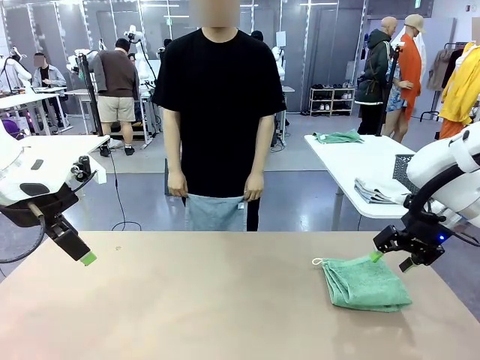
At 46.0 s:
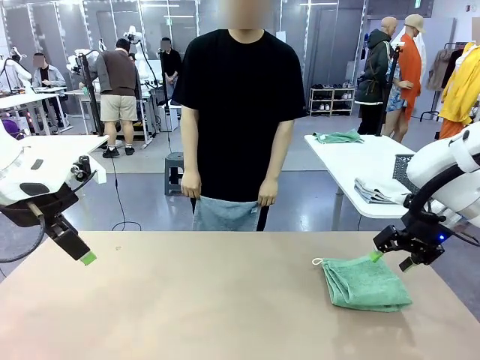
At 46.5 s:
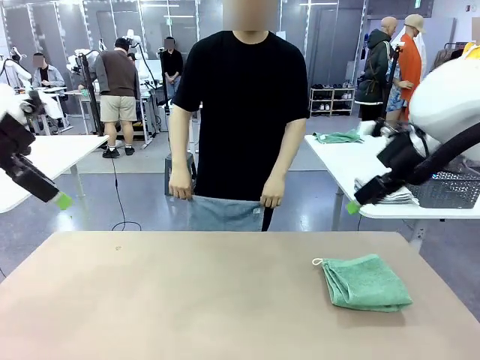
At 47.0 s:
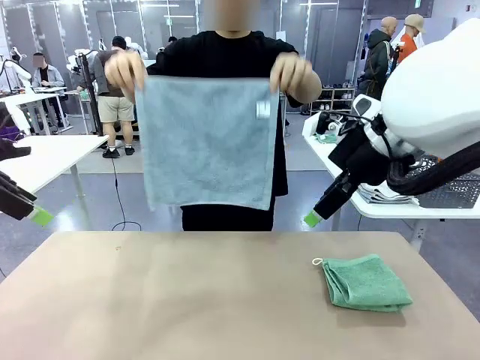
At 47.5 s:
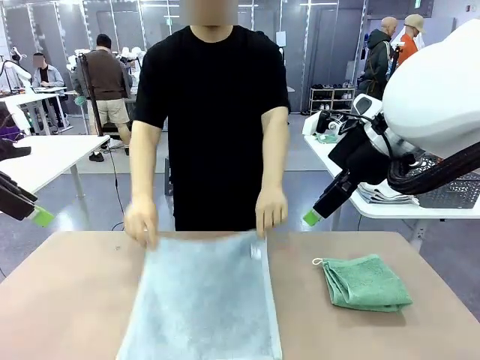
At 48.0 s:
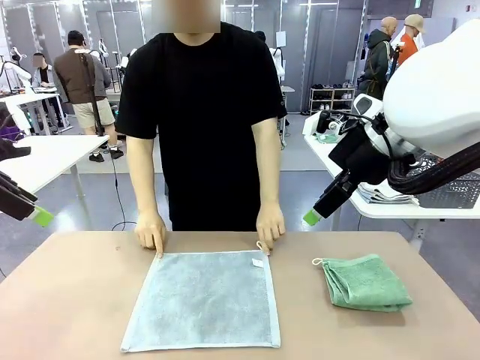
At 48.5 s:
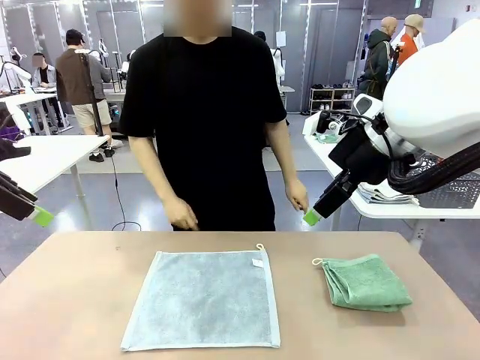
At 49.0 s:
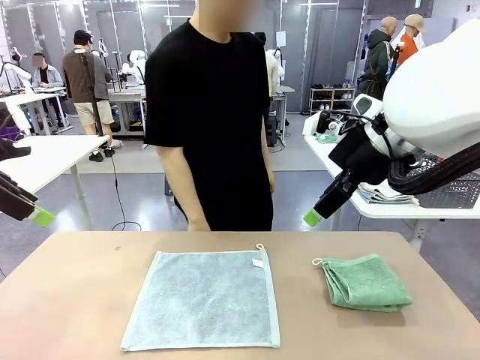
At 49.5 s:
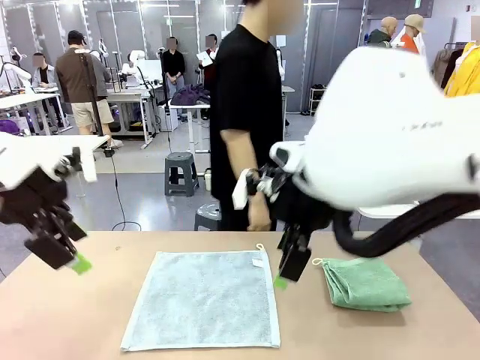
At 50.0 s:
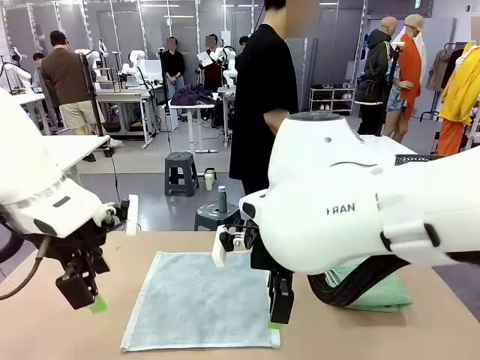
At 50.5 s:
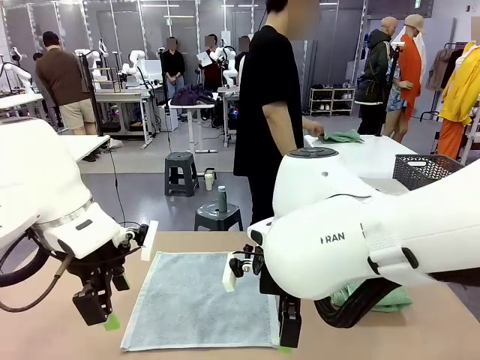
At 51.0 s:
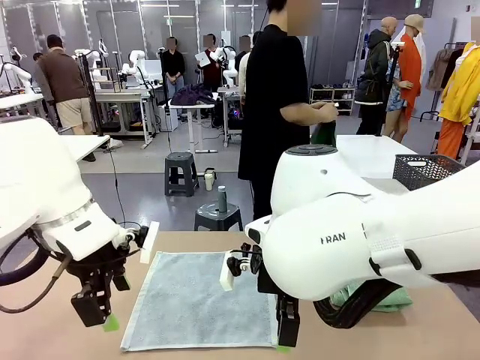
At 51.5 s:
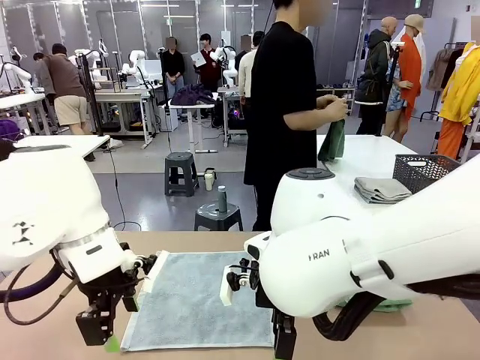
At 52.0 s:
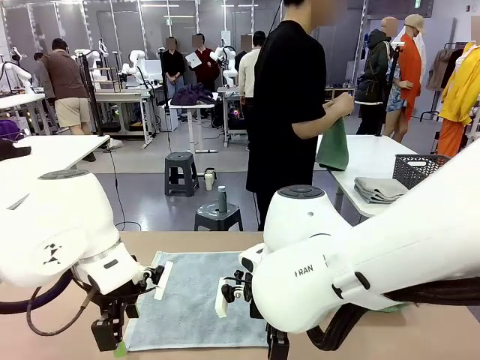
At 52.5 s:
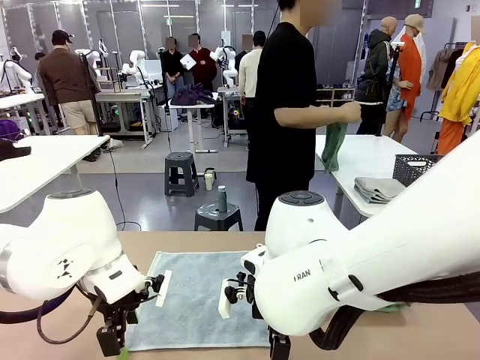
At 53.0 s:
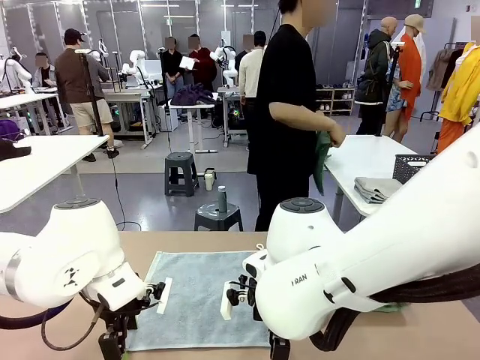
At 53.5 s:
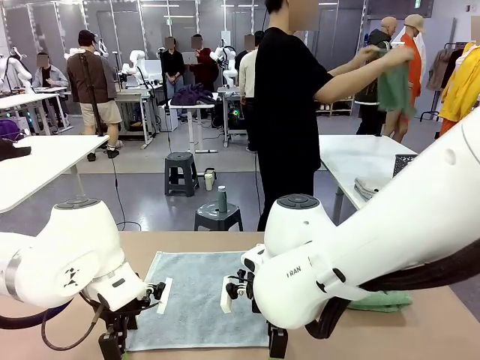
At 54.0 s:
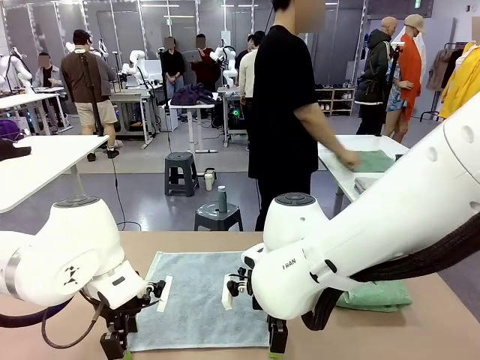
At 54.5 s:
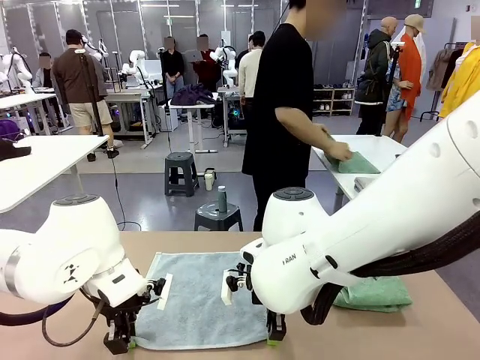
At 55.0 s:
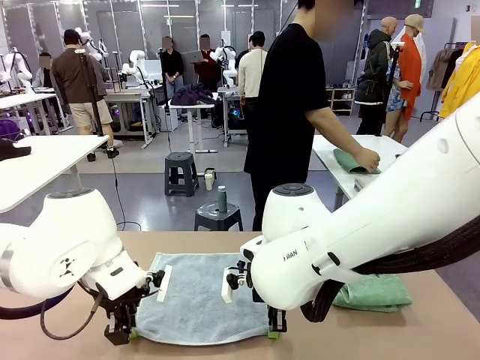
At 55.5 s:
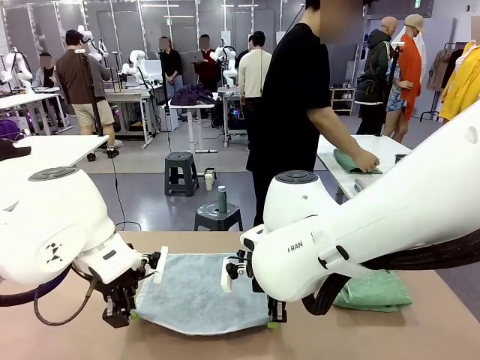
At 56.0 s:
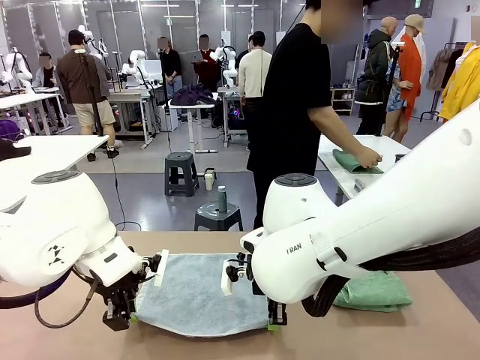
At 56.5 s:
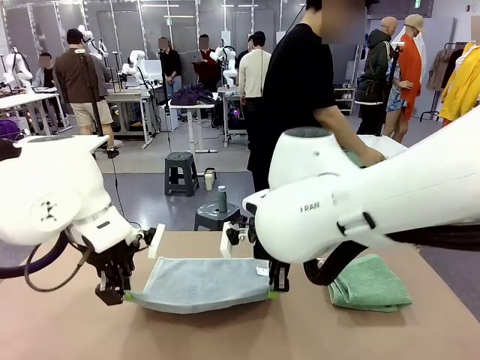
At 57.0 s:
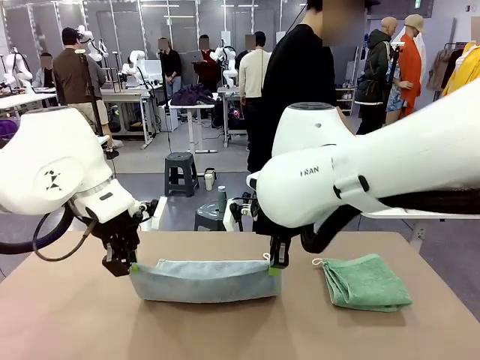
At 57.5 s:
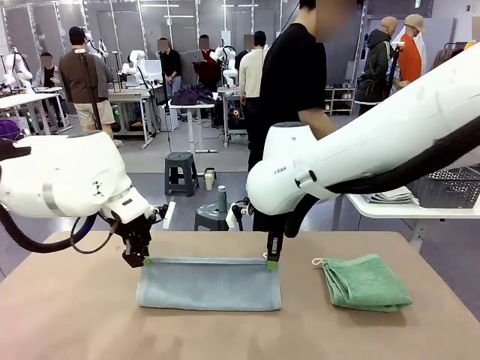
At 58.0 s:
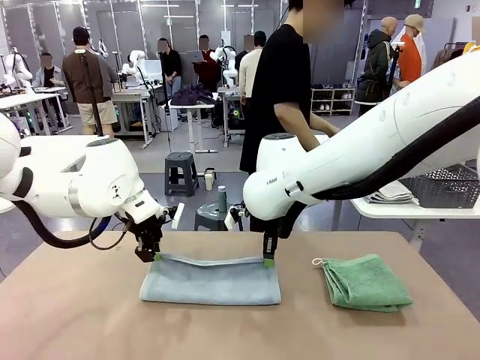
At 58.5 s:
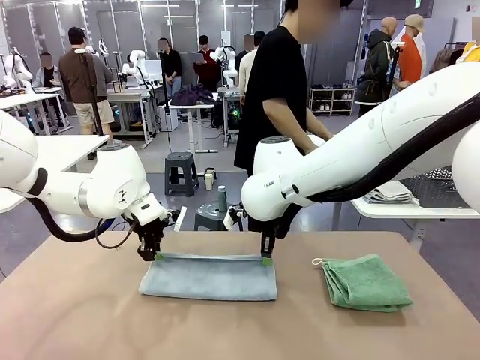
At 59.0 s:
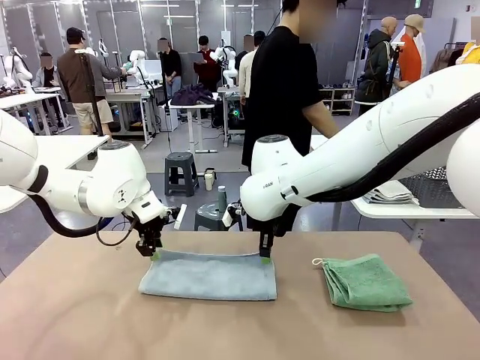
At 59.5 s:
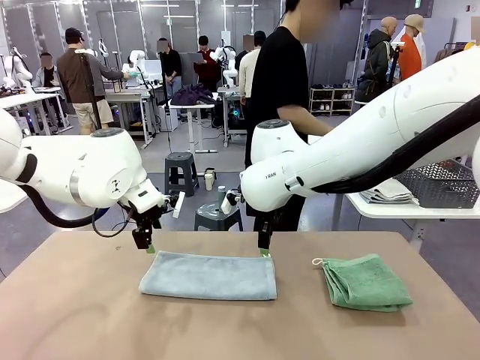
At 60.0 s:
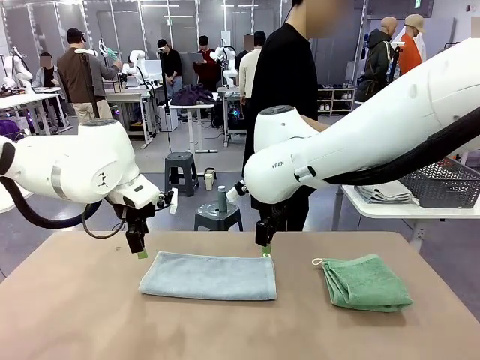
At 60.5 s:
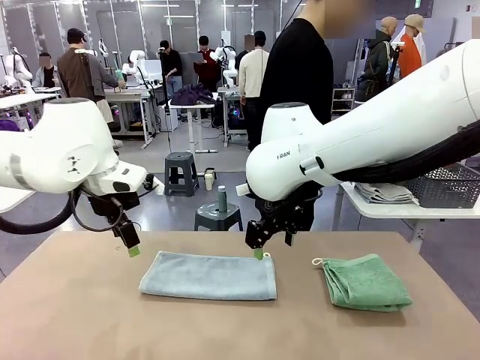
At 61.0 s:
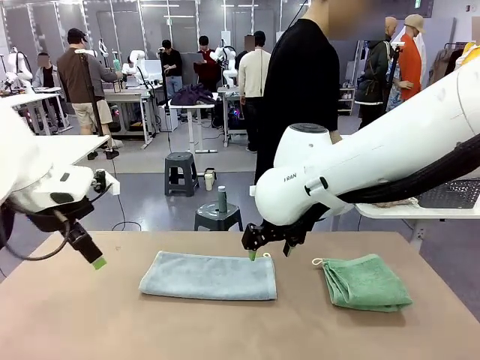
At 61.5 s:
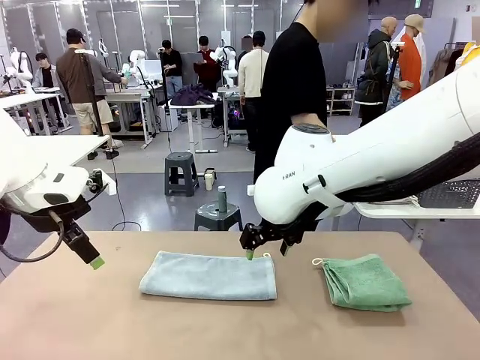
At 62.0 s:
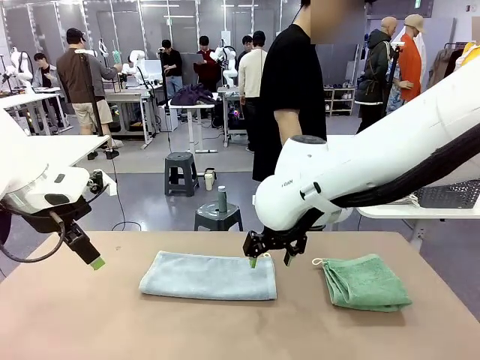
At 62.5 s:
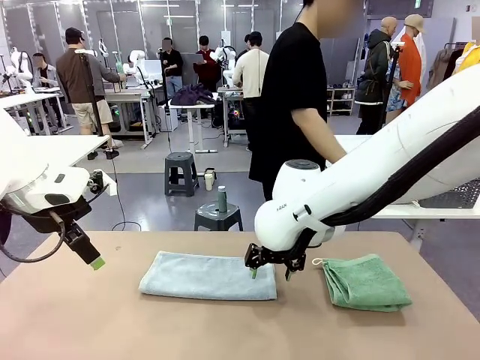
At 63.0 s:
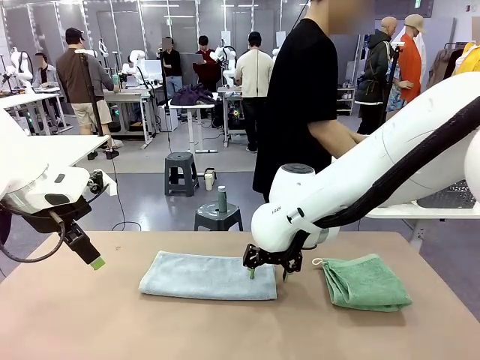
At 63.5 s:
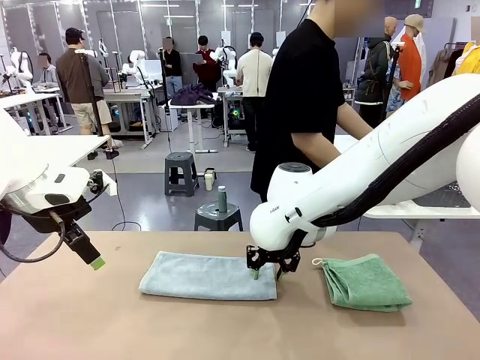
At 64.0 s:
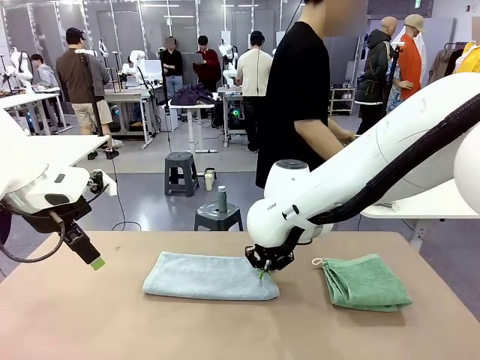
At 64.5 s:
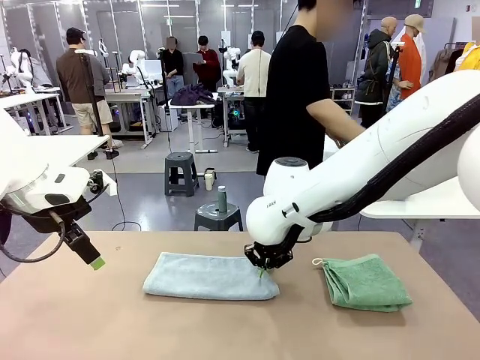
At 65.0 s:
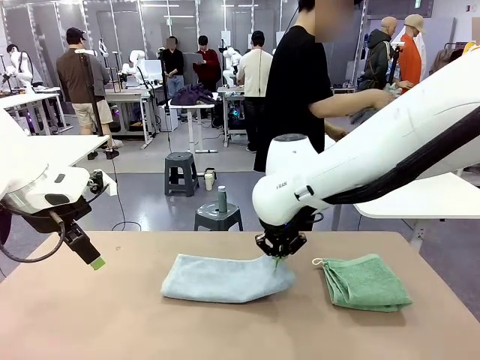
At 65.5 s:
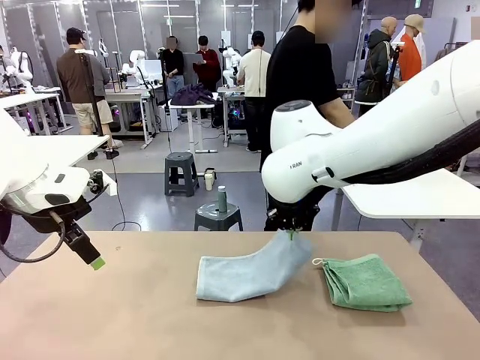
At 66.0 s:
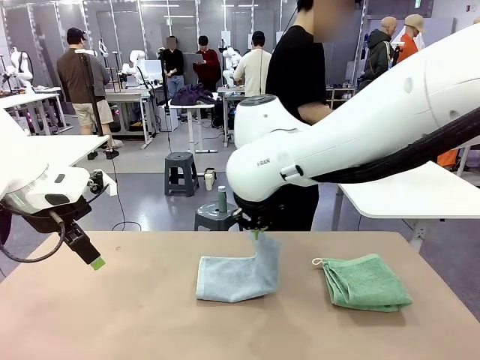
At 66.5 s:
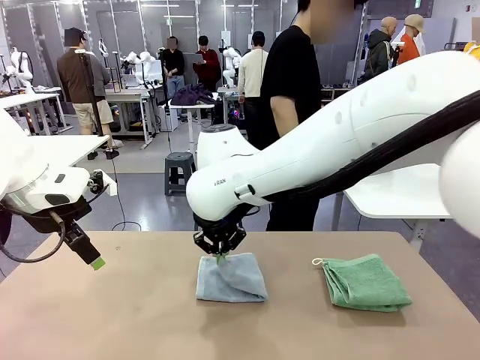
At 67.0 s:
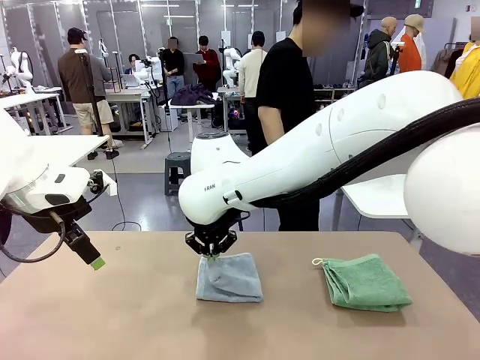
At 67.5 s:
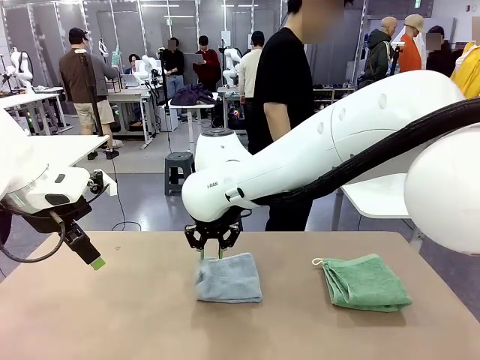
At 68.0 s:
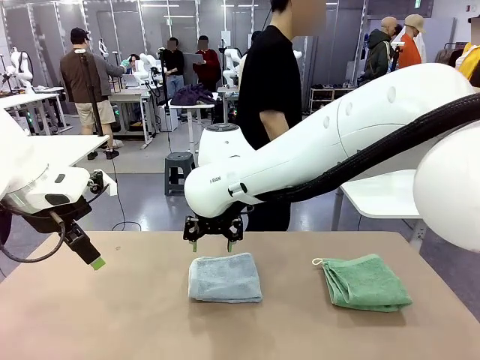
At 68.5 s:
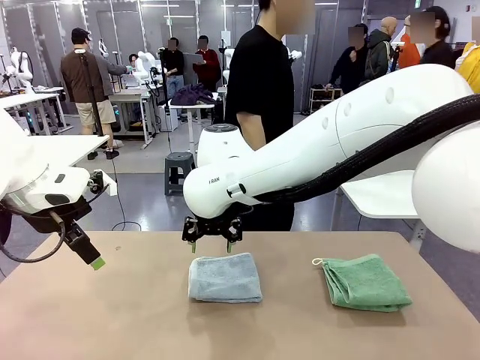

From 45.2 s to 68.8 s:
Task: Fold the towels and place them in the basket.
Robot: When a person lays out a Towel with hook on the table, fold it in half twice.
Person: Pick up one towel from the left side of the human table, fold it in half twice, and stack it on the right side of the table. Pick up the stack of towels from the right side of the human table, place it into the basket, and put the basket at the center of the table.
